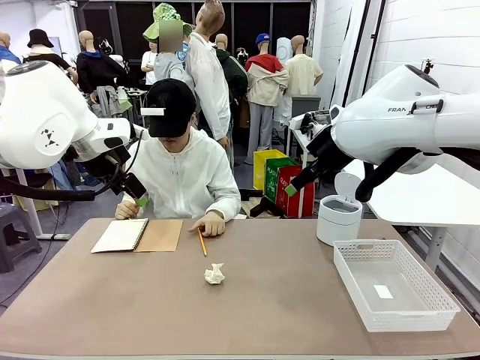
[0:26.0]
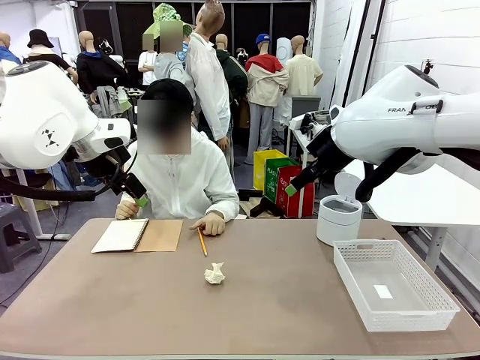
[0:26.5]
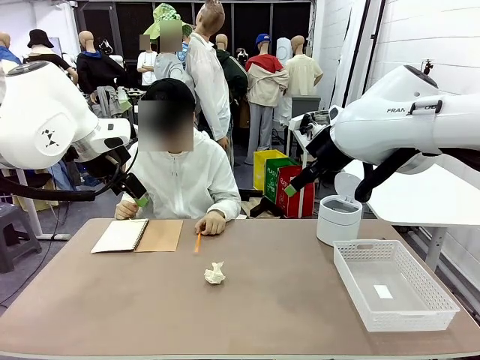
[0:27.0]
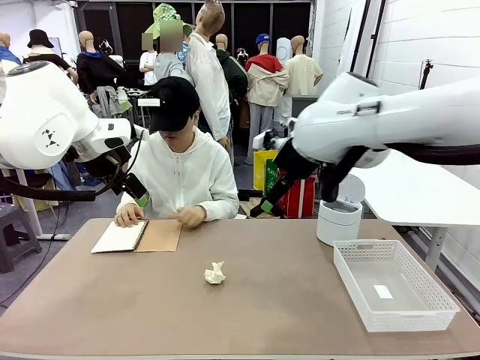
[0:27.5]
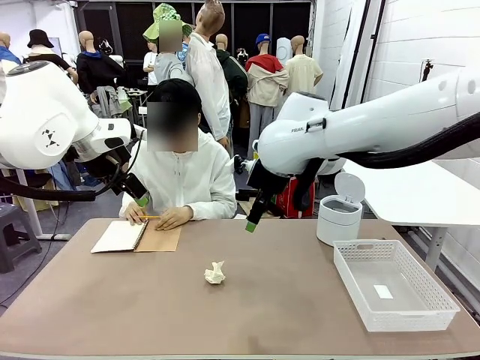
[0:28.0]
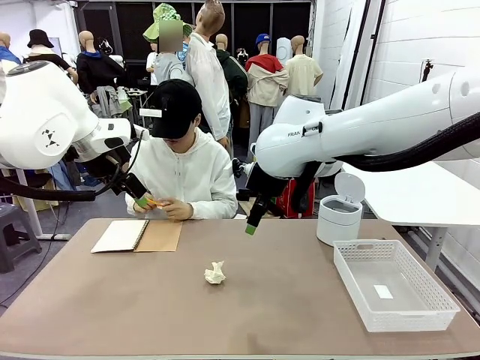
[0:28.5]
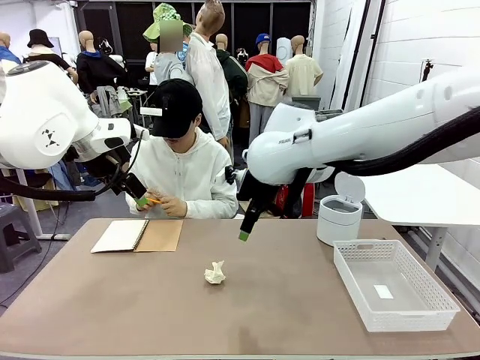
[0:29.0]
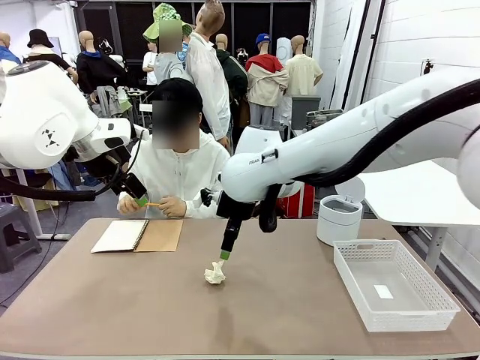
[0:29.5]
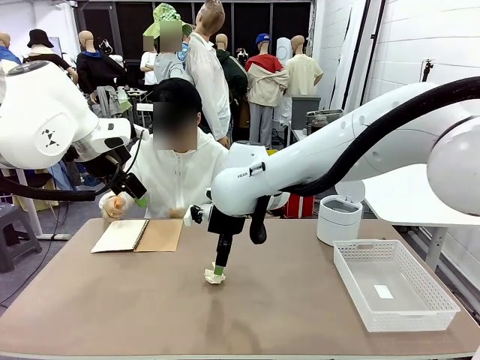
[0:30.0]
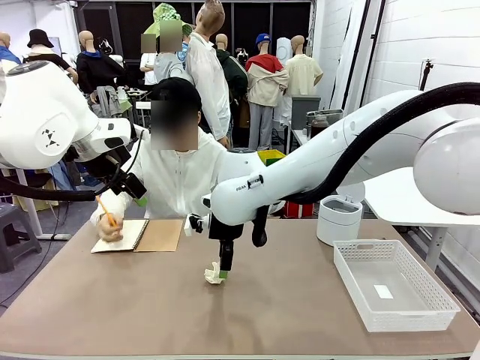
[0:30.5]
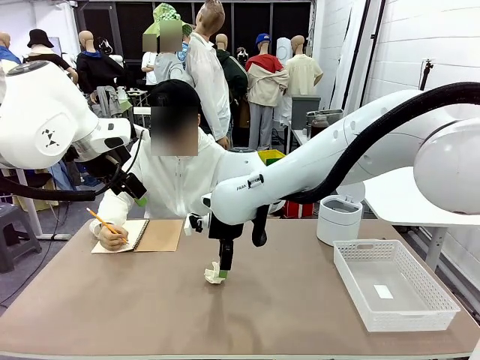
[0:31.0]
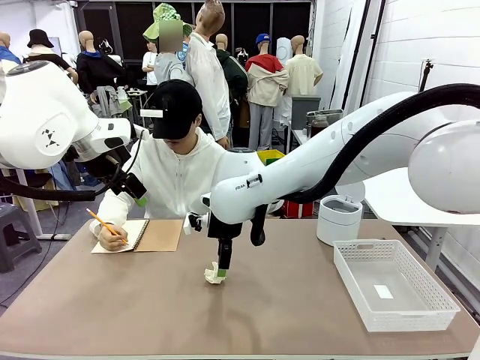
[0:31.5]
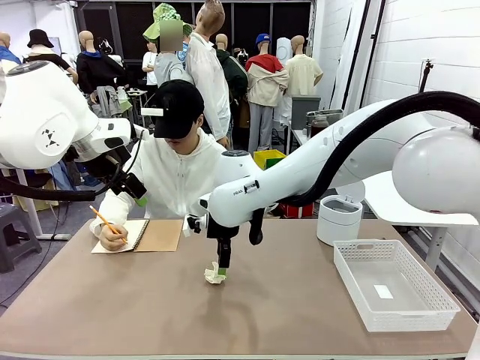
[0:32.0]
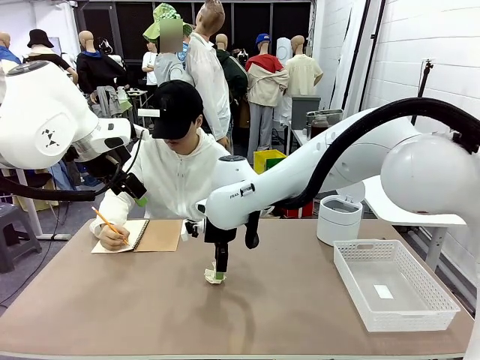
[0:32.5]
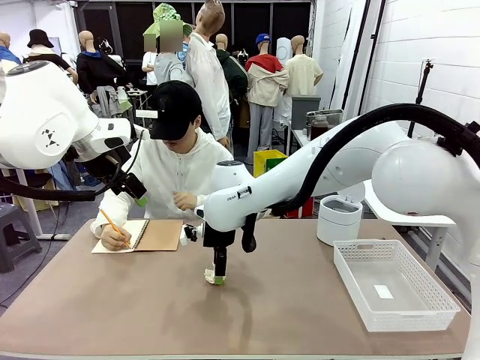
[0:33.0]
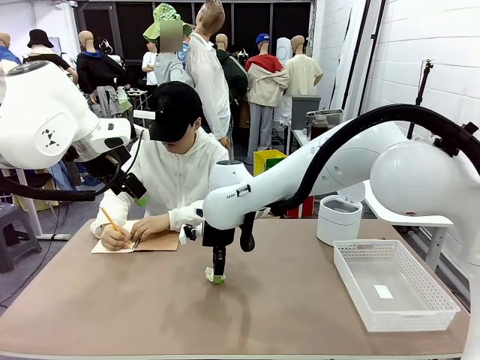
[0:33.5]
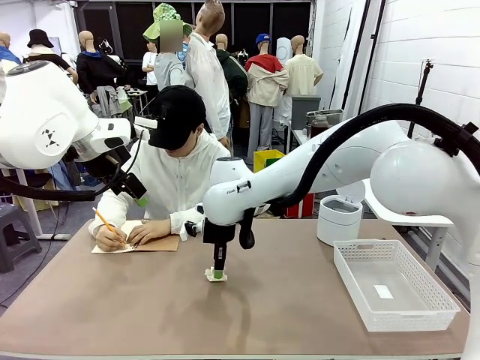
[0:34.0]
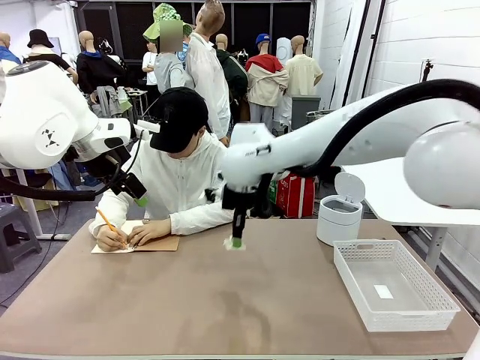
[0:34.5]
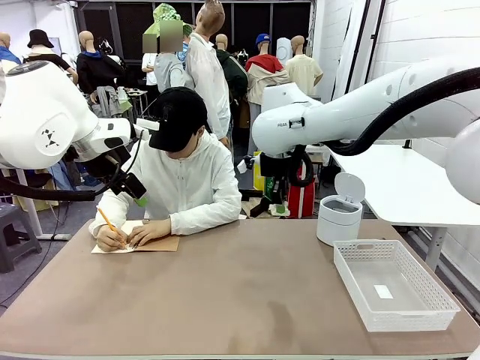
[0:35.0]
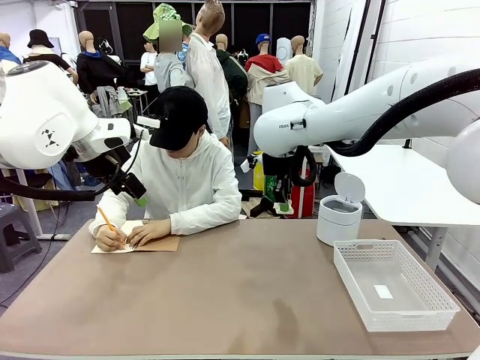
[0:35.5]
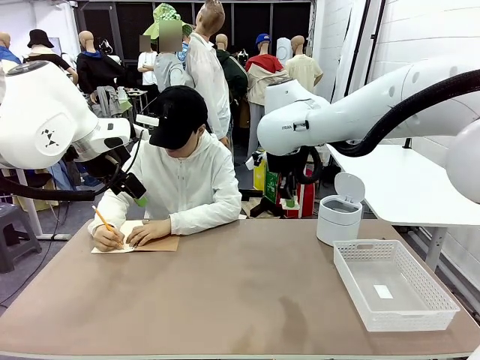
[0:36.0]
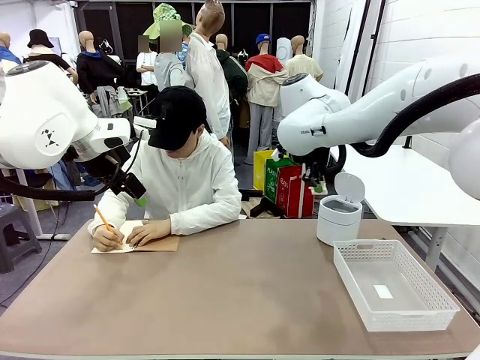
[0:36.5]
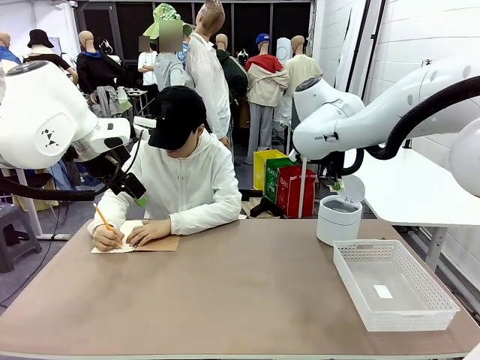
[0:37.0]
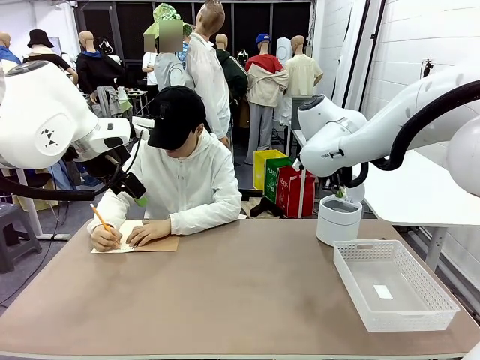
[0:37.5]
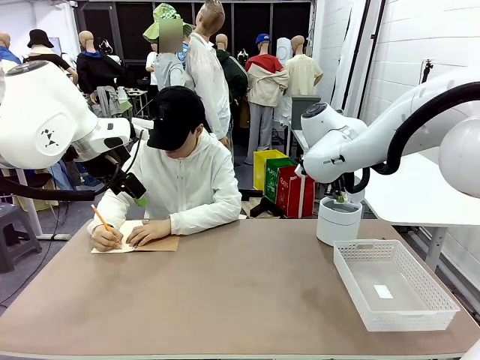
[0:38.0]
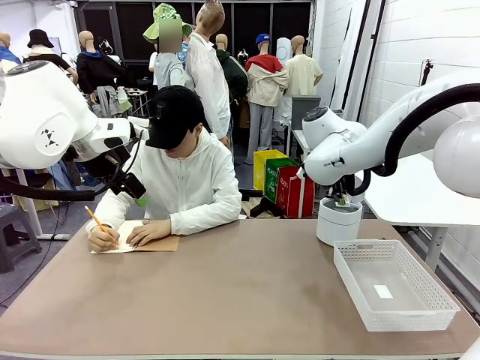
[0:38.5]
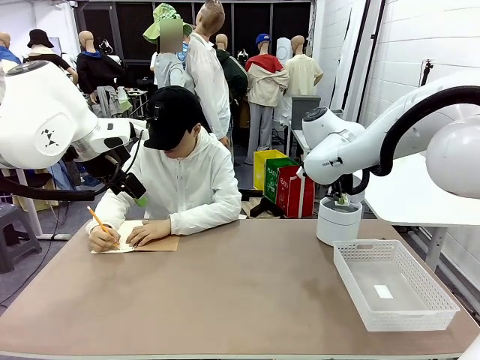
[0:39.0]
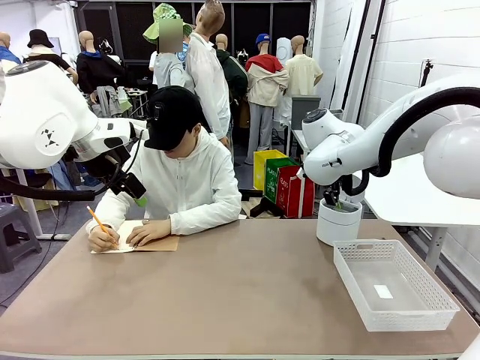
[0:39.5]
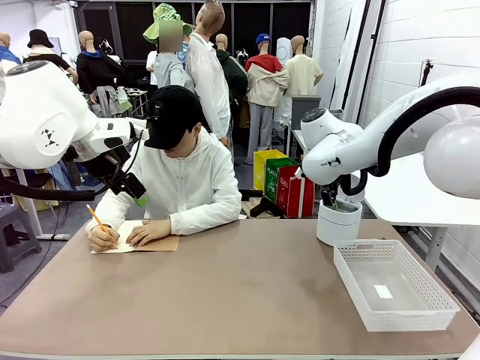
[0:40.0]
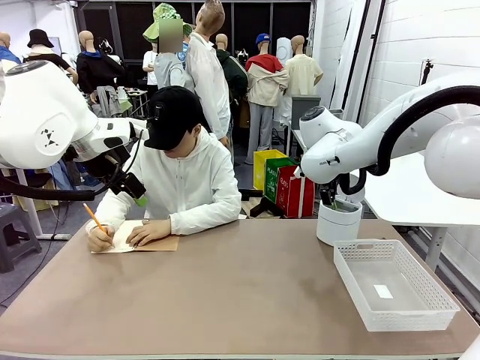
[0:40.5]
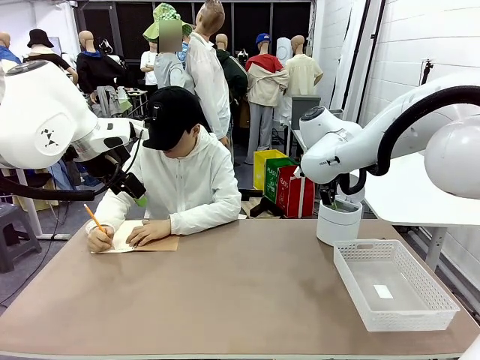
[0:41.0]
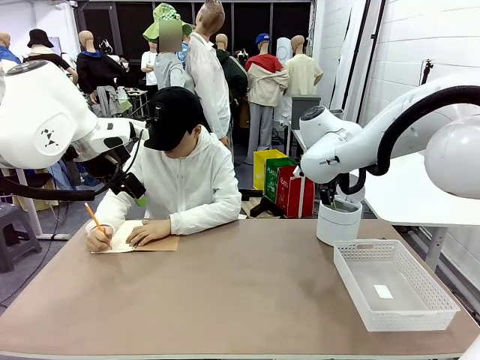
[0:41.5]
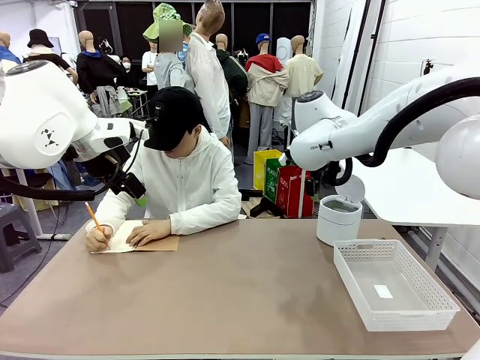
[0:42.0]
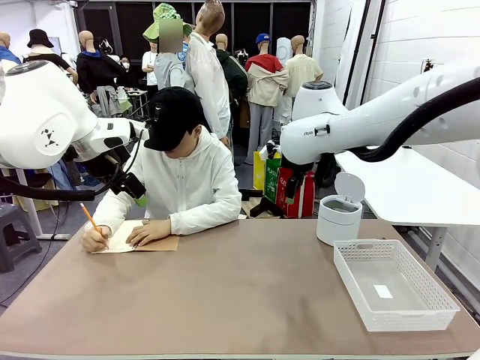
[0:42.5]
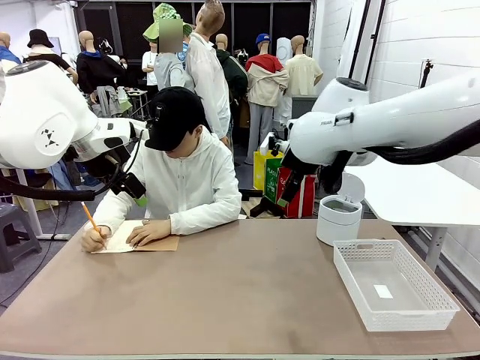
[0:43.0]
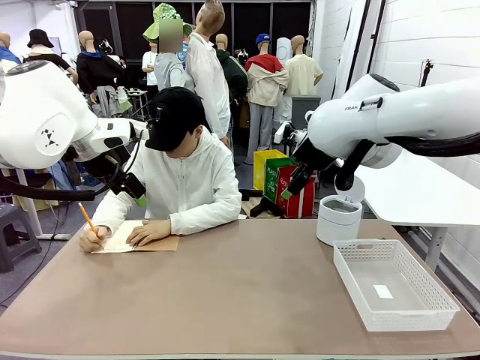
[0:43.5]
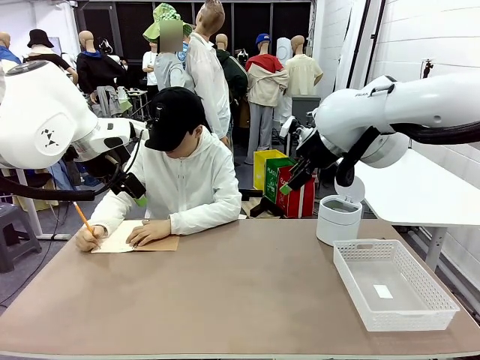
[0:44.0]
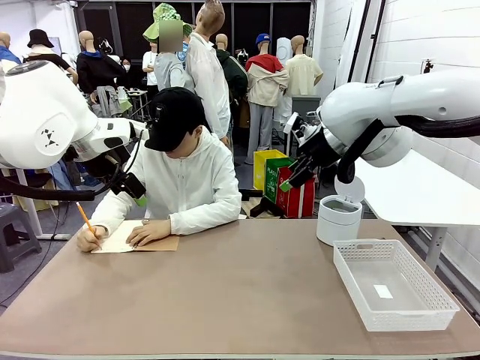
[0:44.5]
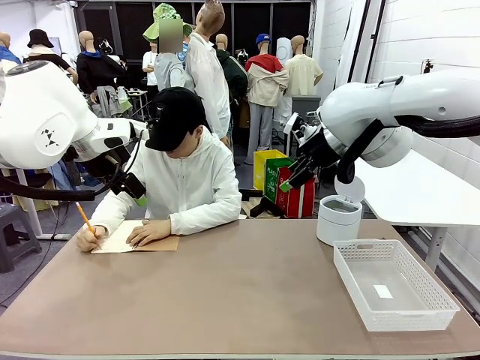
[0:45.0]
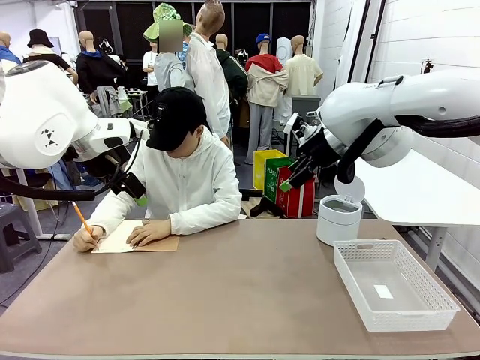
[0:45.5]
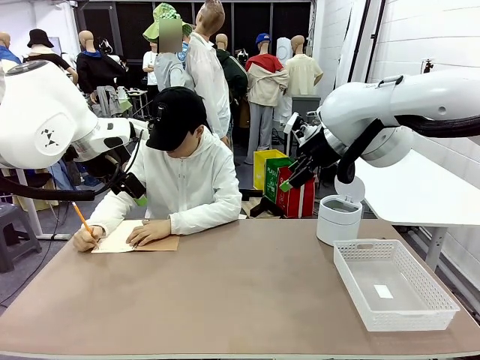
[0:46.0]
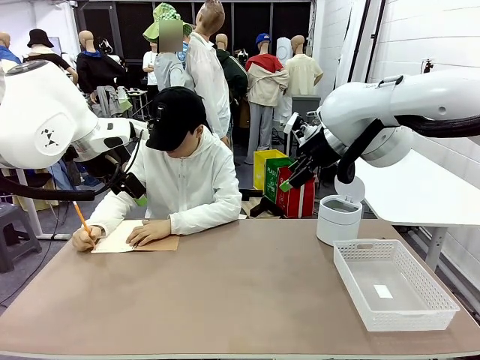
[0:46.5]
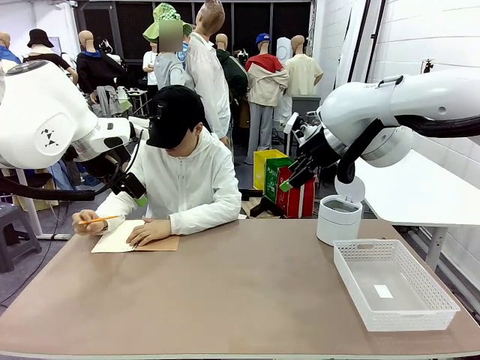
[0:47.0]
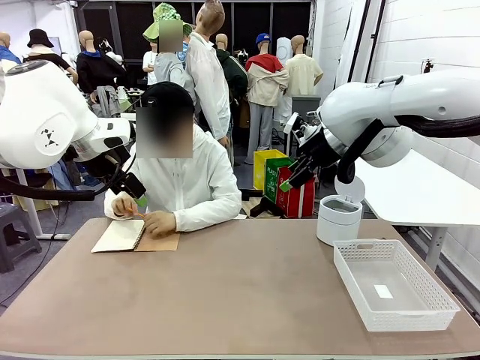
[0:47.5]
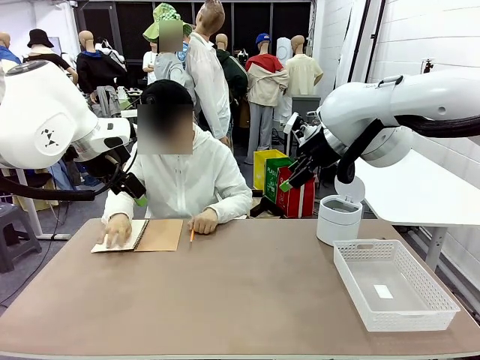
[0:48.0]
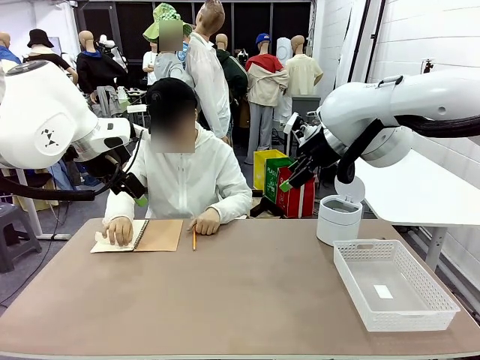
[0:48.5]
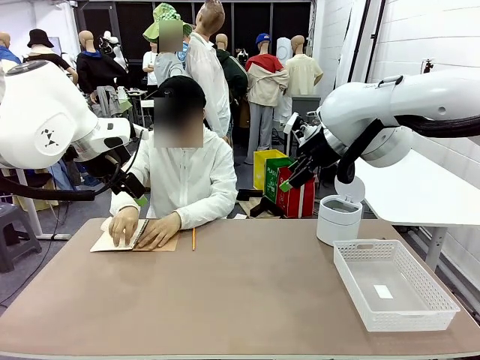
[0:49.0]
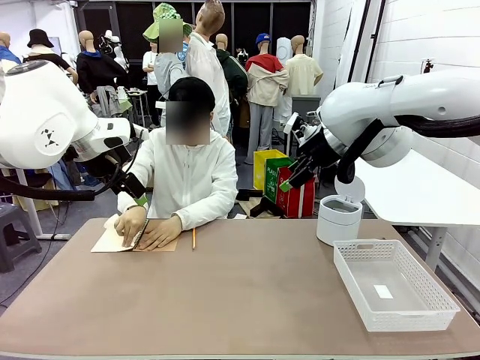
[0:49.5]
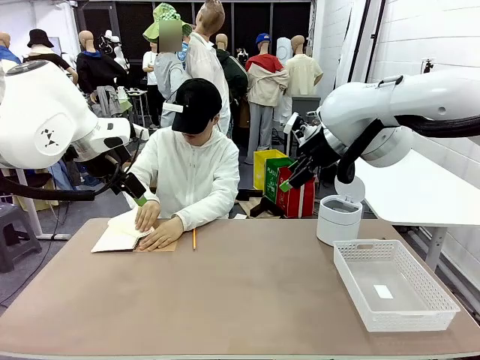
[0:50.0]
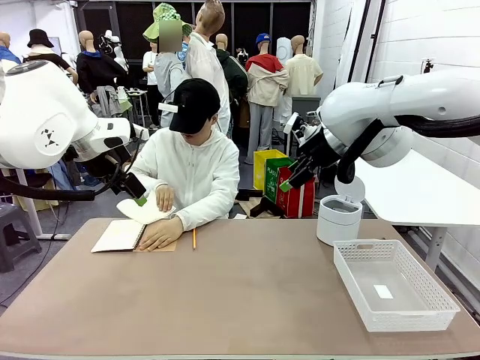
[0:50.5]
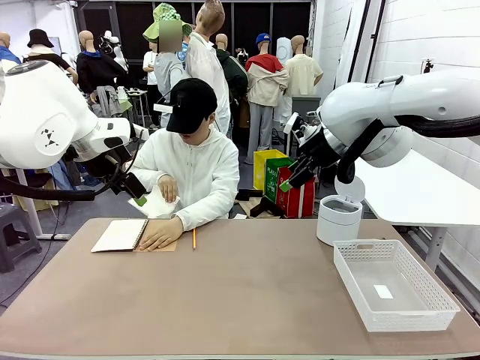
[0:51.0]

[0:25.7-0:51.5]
Task: Sort the paper based on its condition.
Robot: If a person hands you a paper, place it in the Organizing basket , and if it's crumpled, put it in the Trash can.
Person: Tear out a page from the spiral notebook.
